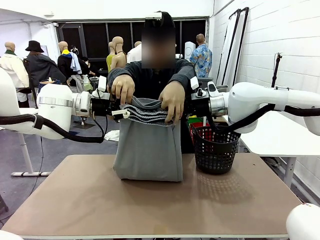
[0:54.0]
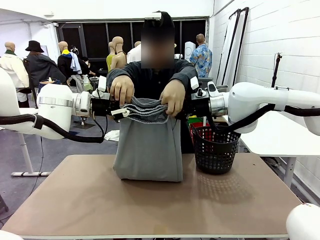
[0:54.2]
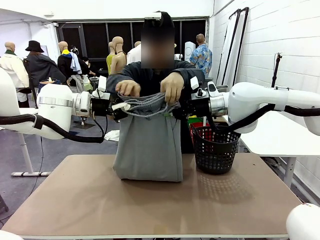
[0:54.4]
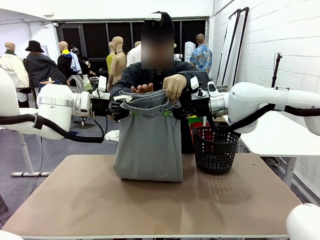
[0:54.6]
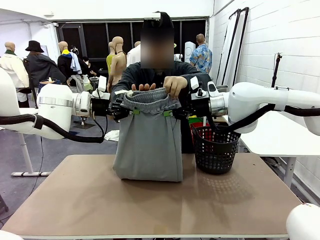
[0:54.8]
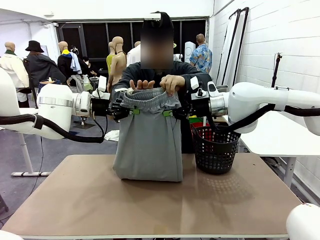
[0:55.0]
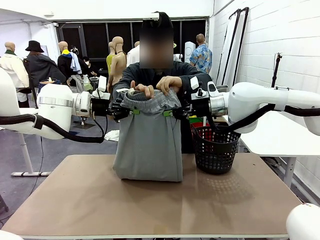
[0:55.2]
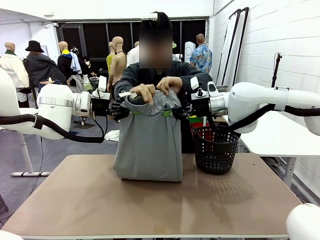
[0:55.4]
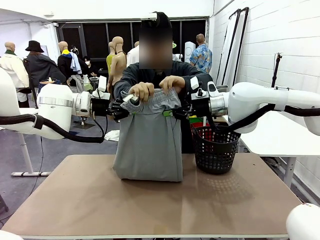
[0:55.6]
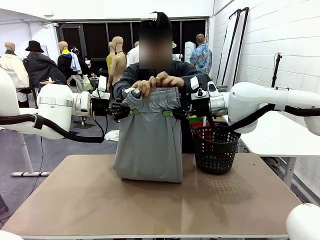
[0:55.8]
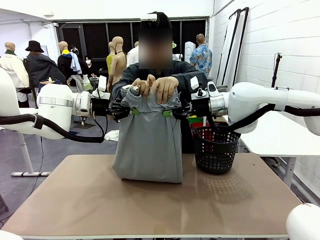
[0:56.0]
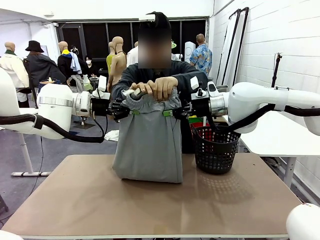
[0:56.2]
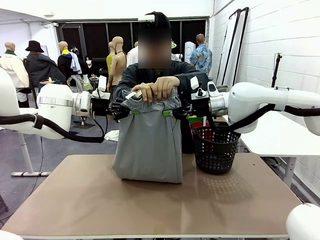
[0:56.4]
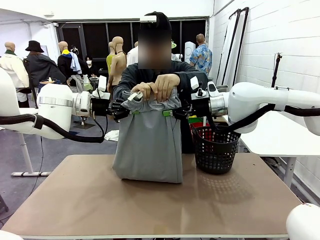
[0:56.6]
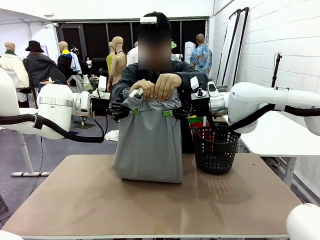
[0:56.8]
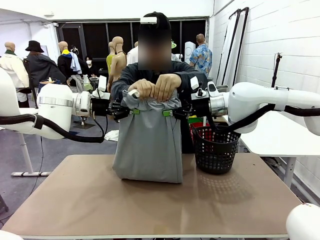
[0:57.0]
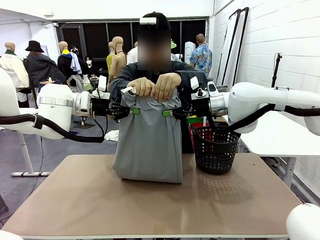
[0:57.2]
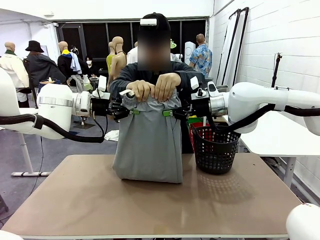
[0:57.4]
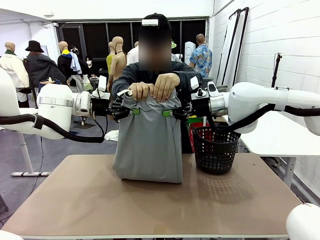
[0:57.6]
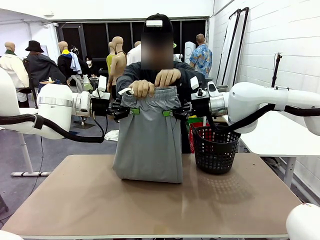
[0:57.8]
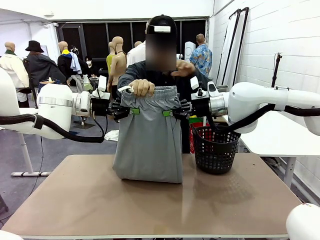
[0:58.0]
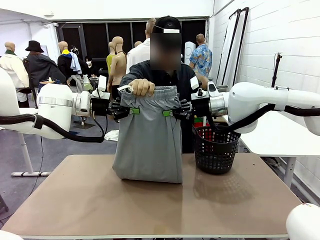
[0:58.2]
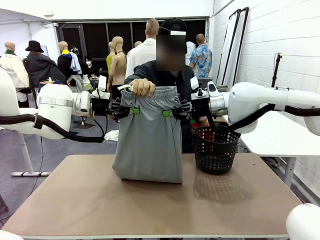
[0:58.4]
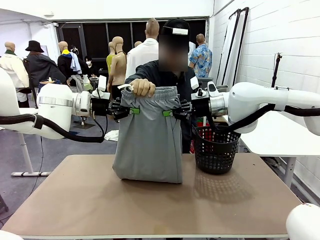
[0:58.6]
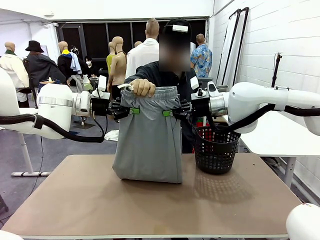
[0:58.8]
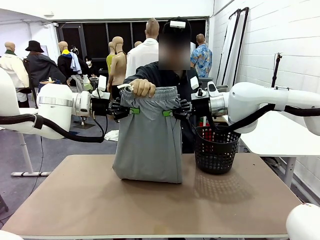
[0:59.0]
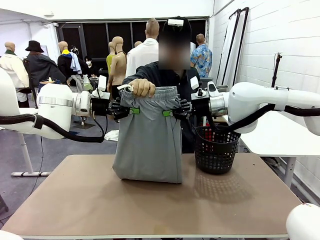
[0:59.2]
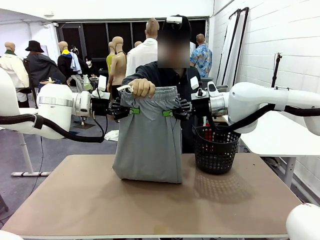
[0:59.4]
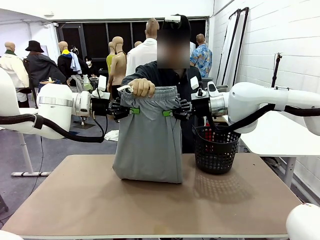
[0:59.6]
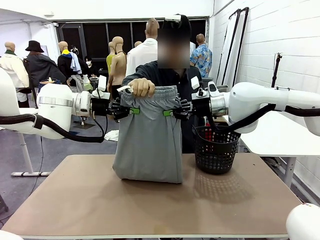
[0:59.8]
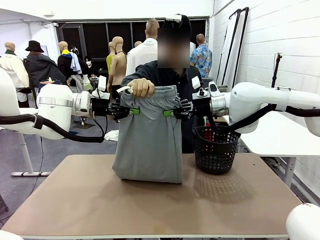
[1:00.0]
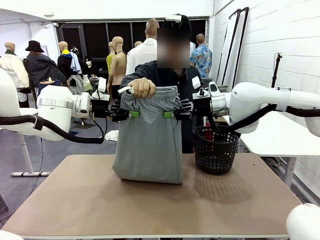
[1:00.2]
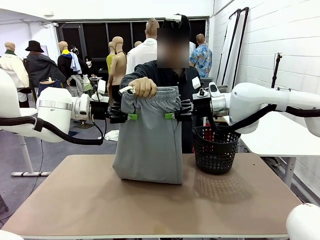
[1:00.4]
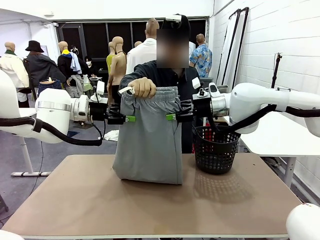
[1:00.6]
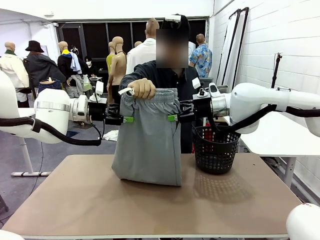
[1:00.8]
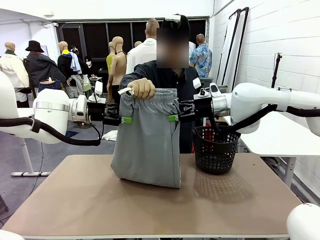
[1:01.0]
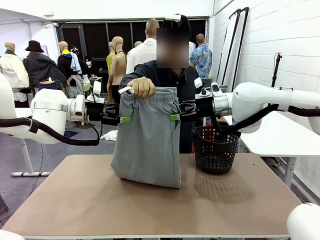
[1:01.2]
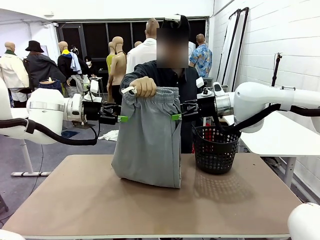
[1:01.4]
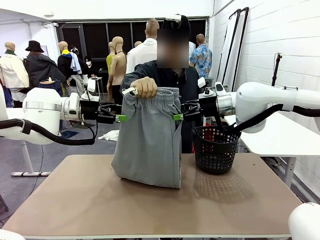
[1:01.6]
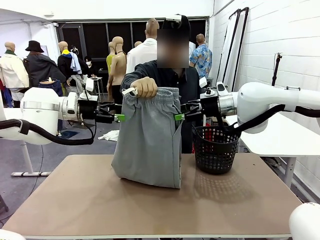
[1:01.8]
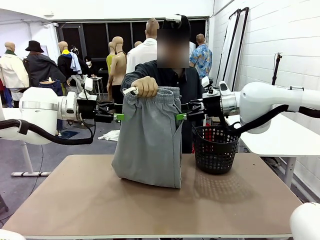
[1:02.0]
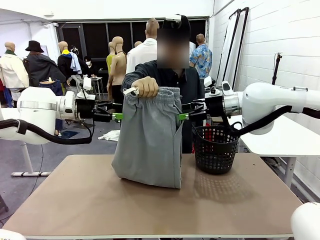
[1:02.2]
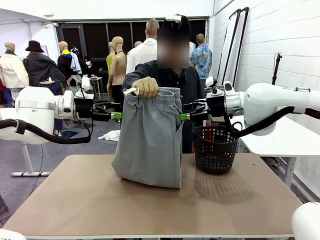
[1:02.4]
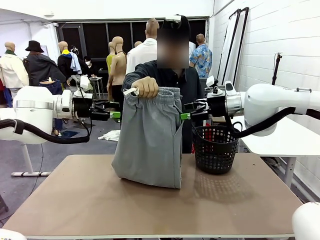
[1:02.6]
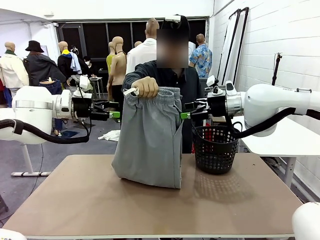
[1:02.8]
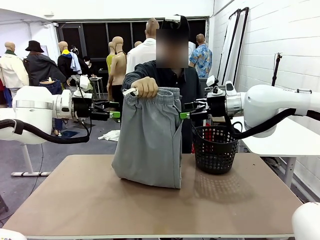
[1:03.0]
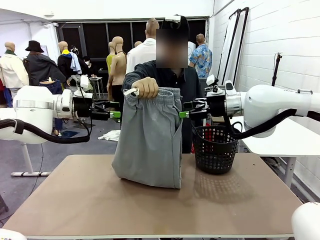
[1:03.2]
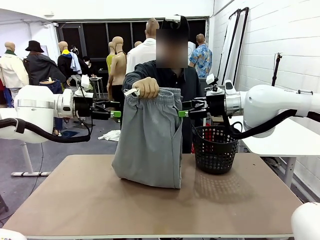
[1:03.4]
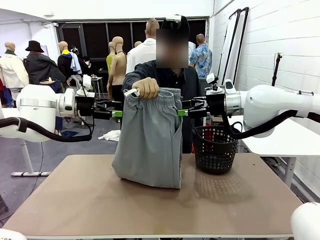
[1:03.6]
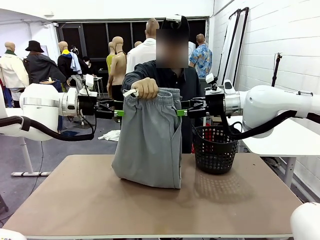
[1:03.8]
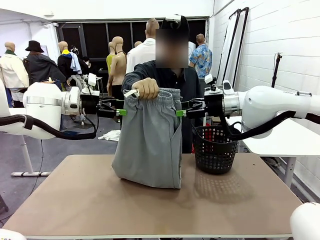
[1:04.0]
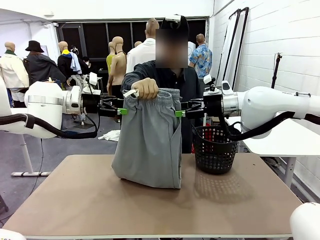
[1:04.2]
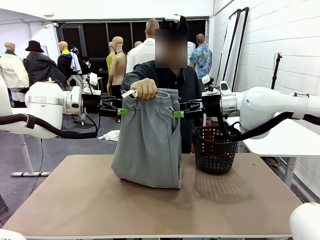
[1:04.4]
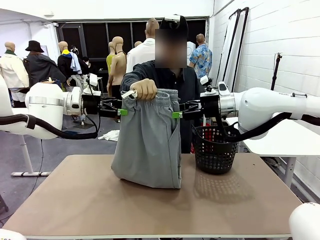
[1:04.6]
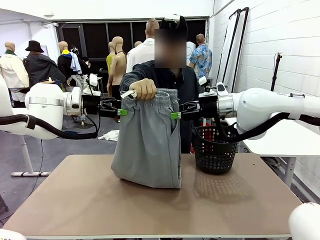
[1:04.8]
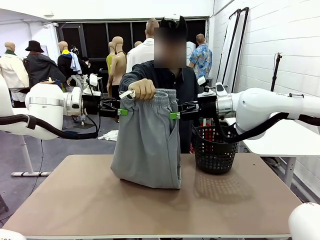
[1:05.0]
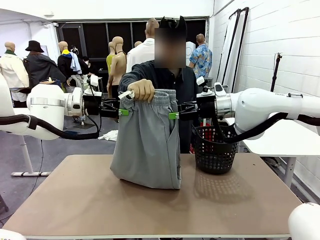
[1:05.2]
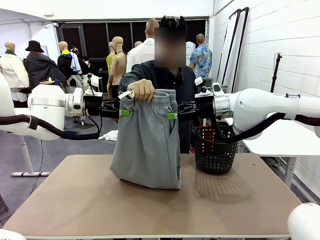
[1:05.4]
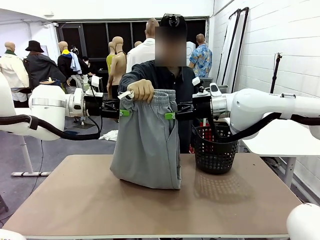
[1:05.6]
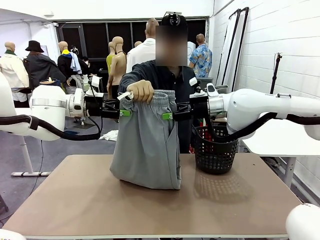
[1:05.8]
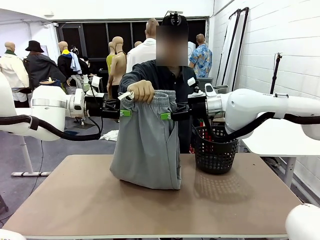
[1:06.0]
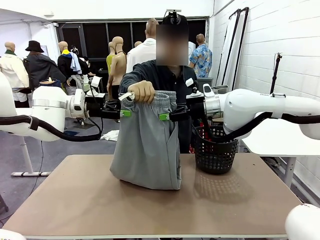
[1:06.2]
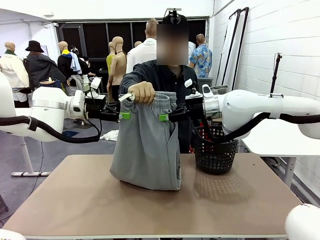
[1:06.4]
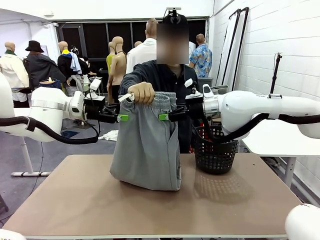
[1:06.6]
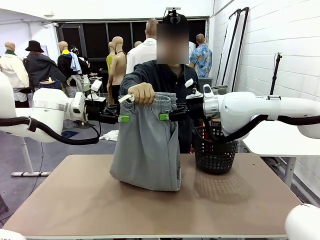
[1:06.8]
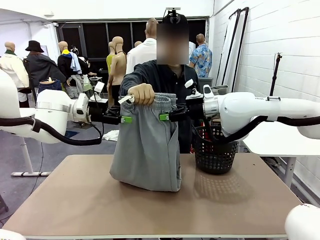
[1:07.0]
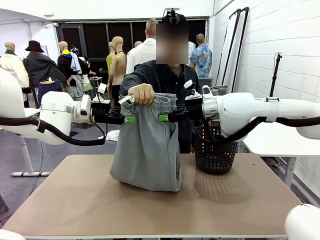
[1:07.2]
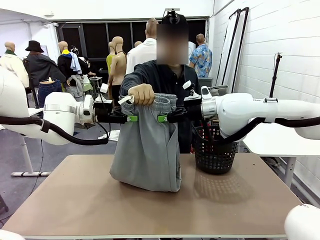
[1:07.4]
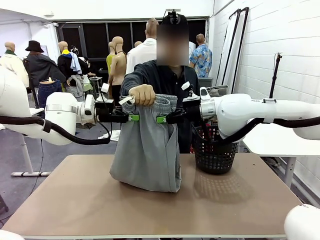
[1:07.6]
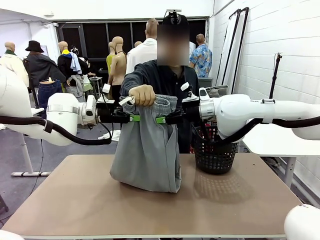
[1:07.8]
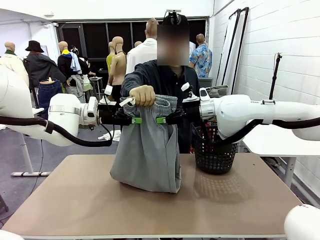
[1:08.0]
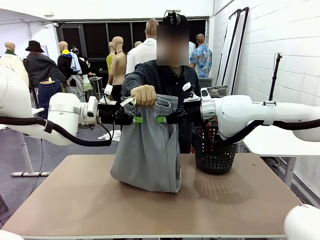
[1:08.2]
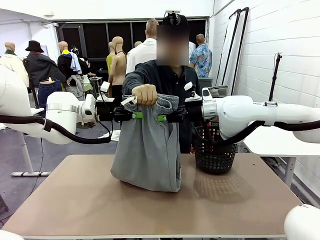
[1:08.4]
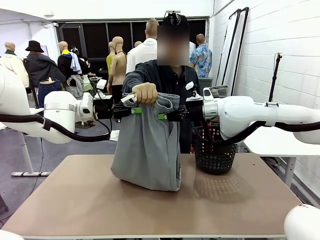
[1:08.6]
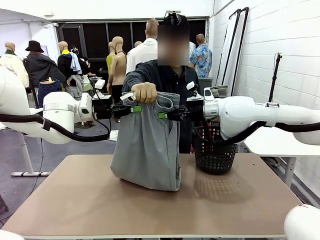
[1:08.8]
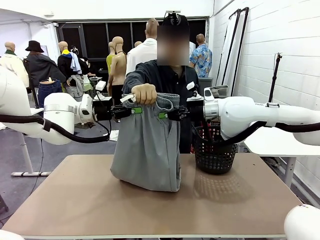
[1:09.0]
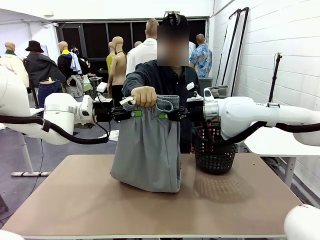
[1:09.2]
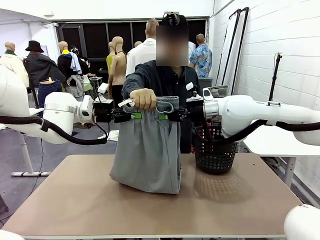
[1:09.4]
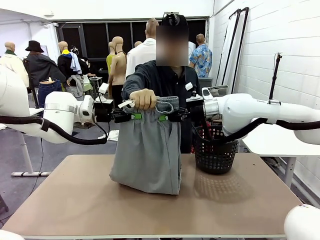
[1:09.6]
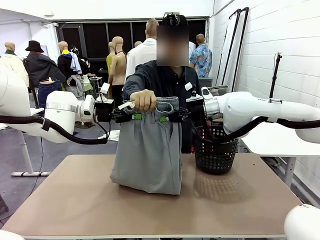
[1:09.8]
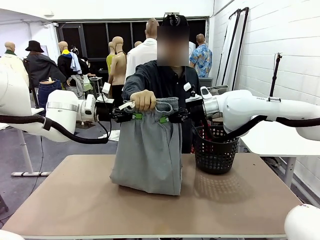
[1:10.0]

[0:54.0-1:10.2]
Task: Fold the training pants.
Robot: Release the ends of the Training pants and then grab the overlapped ends.
Person: Release the pants you were holding.

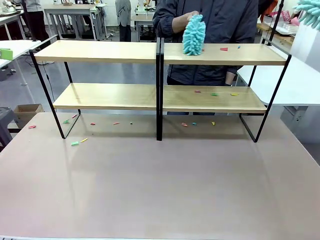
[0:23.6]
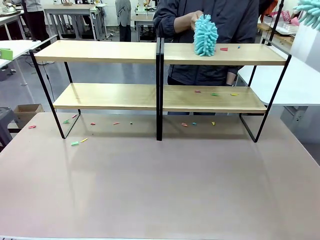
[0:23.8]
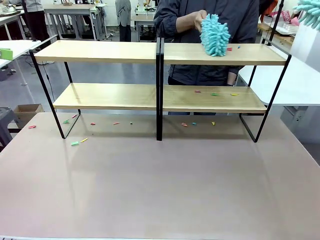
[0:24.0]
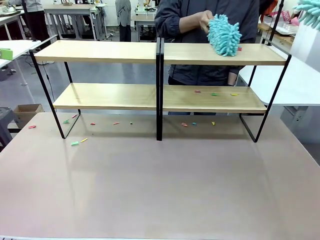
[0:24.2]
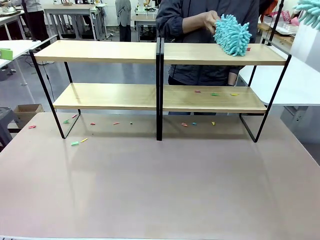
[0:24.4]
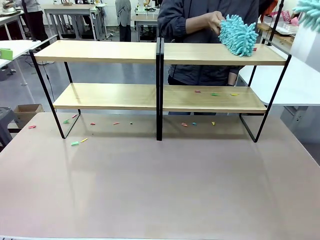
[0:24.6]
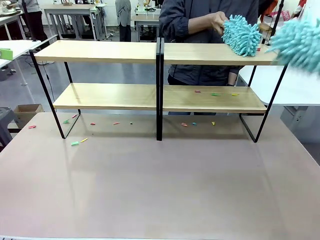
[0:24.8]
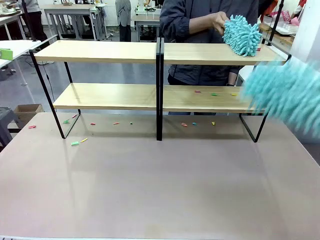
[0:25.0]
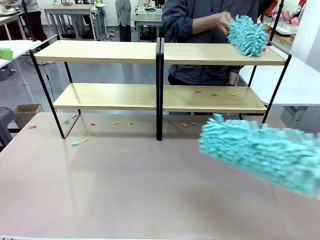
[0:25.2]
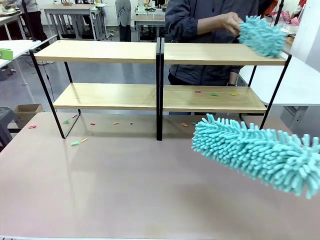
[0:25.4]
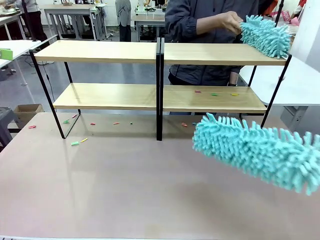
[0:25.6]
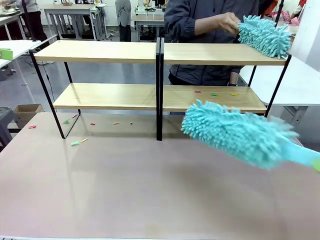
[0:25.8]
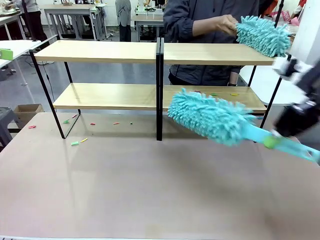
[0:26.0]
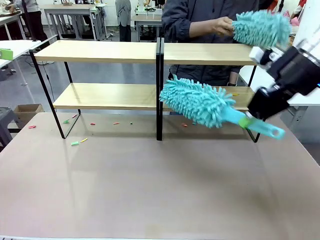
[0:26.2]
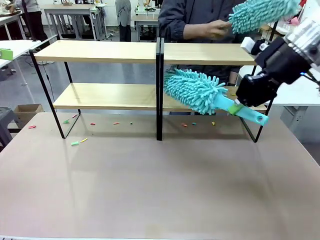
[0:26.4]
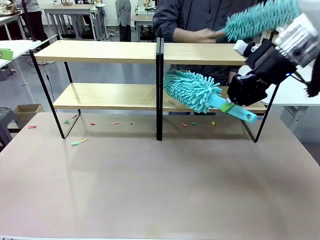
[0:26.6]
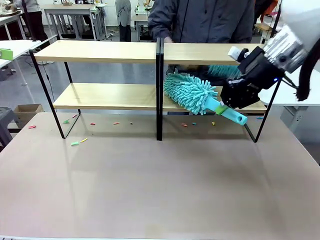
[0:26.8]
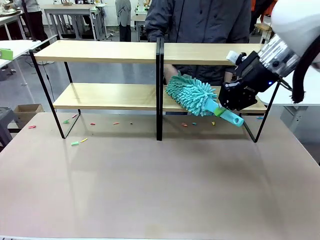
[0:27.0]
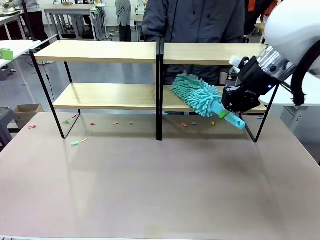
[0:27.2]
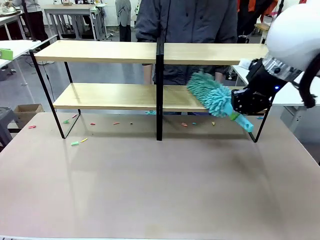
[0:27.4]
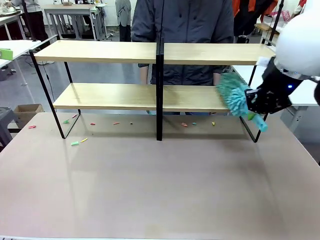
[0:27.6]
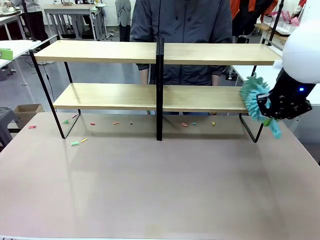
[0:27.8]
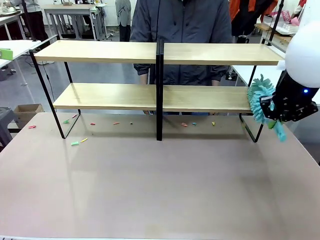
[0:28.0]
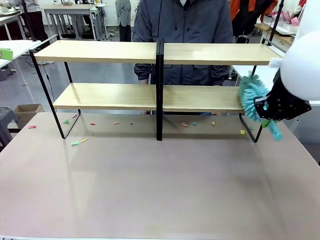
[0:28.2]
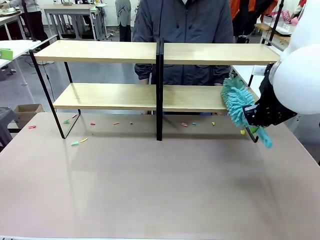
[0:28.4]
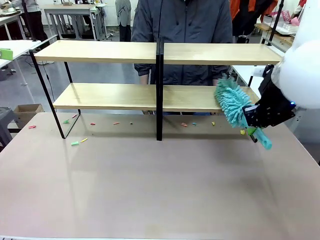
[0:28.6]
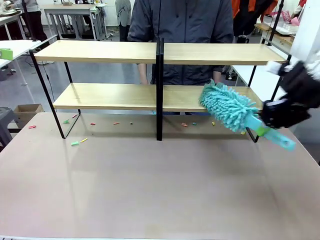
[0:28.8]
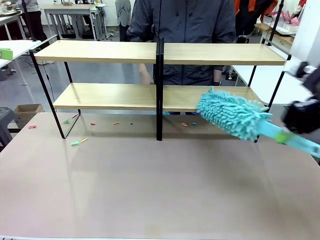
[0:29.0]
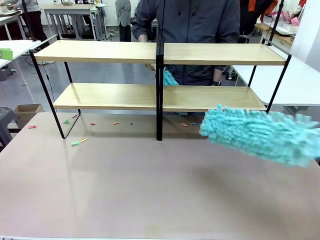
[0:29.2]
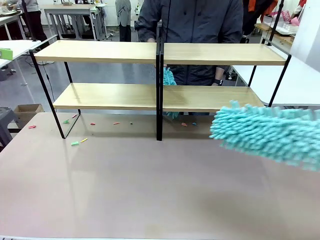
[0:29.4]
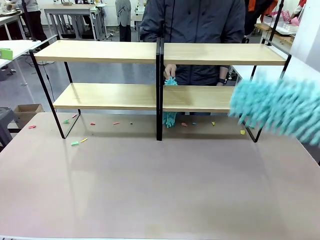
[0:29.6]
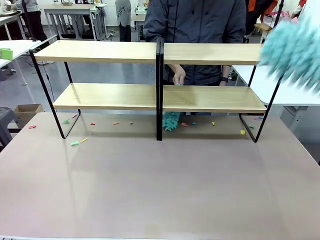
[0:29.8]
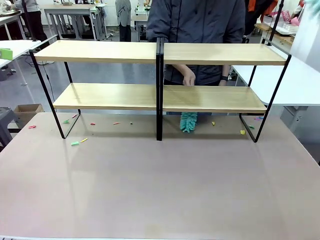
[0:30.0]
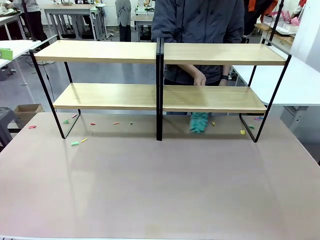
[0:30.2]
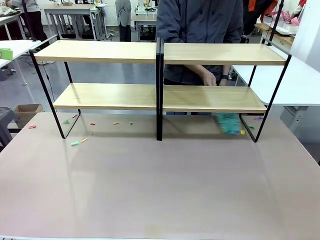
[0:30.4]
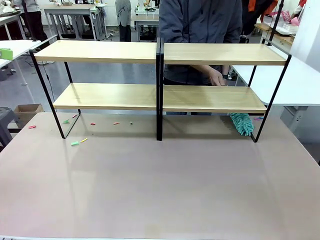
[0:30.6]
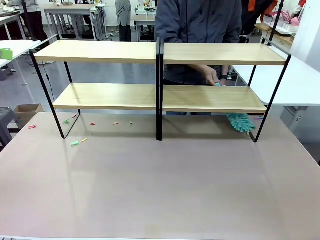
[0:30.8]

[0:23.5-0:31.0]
Task: Clean the shelves.
Robot: Clean another randomly selected level of the Shelf with the Duster.
